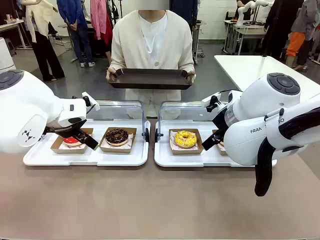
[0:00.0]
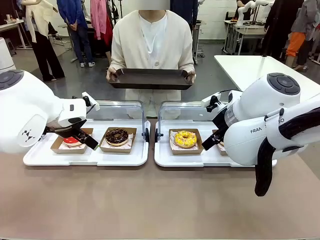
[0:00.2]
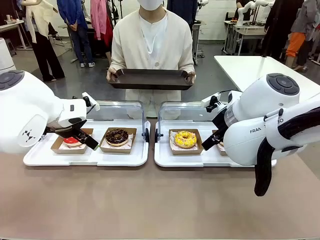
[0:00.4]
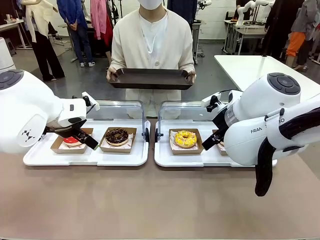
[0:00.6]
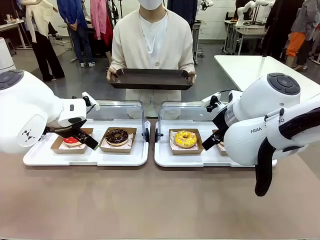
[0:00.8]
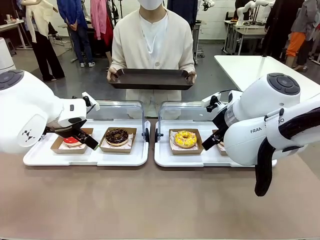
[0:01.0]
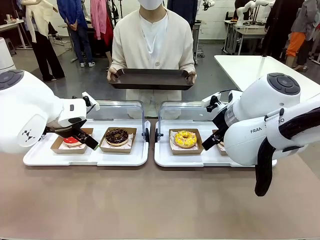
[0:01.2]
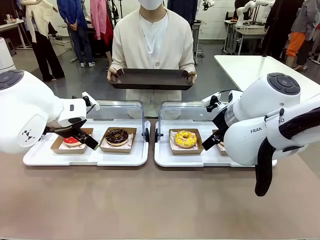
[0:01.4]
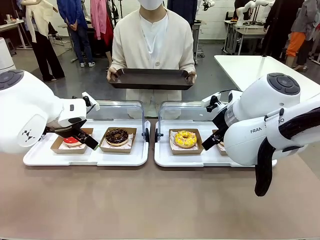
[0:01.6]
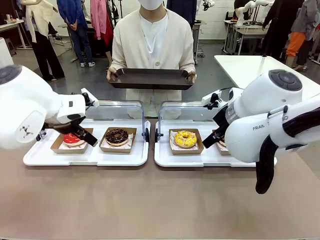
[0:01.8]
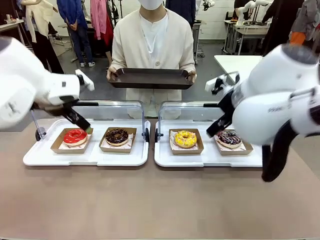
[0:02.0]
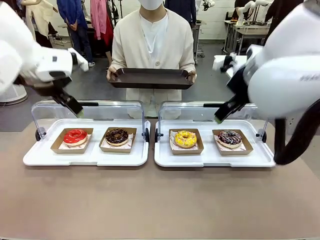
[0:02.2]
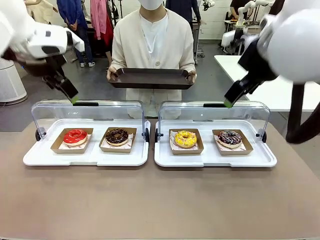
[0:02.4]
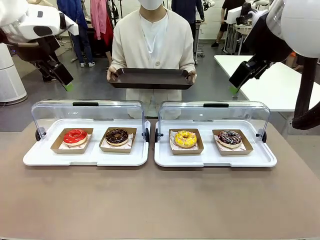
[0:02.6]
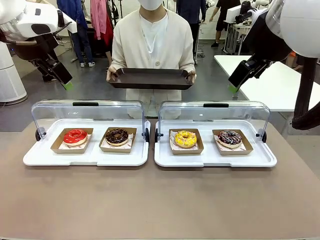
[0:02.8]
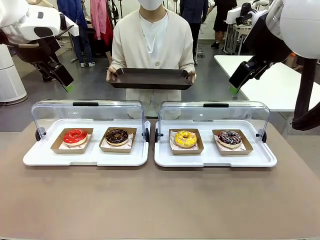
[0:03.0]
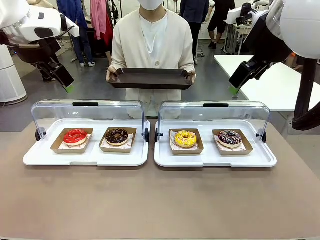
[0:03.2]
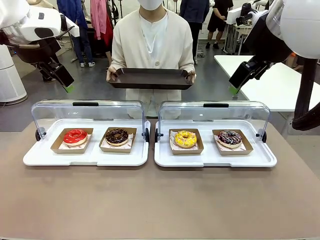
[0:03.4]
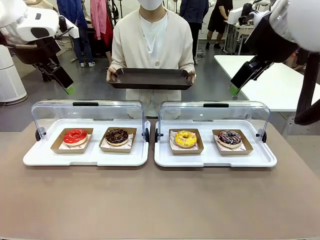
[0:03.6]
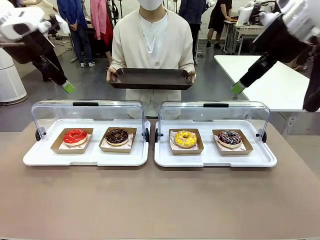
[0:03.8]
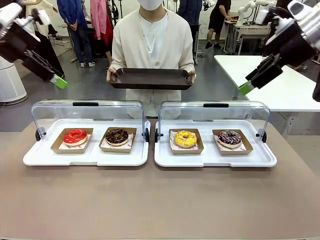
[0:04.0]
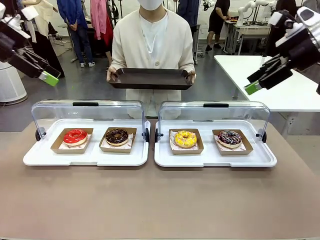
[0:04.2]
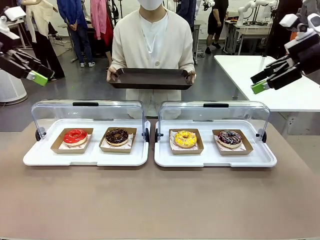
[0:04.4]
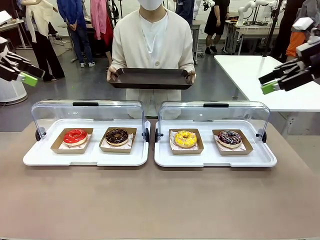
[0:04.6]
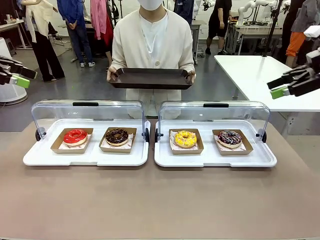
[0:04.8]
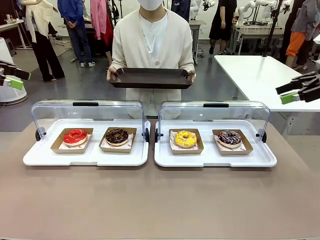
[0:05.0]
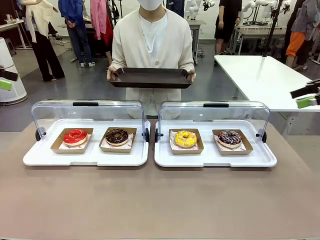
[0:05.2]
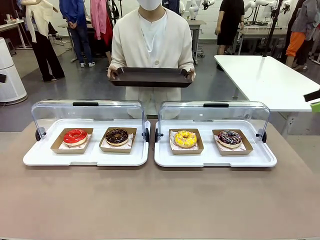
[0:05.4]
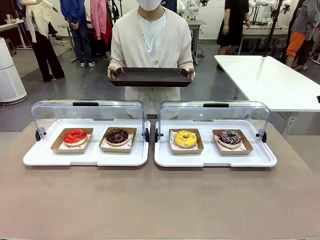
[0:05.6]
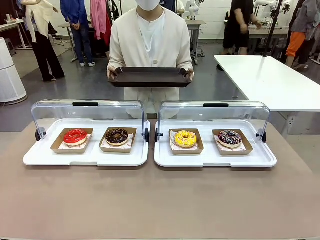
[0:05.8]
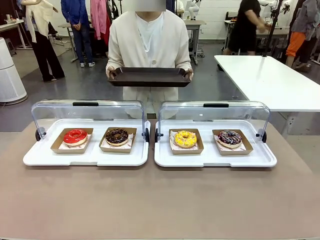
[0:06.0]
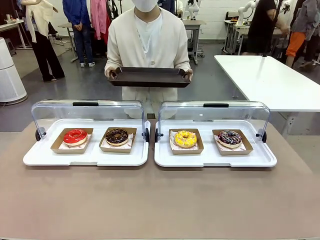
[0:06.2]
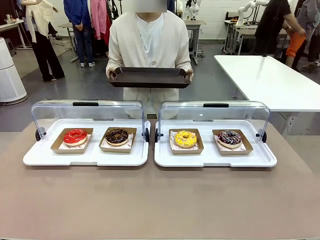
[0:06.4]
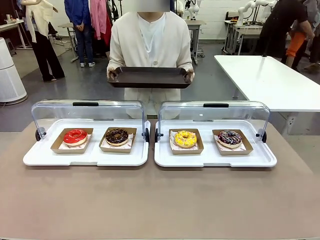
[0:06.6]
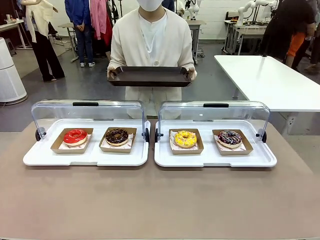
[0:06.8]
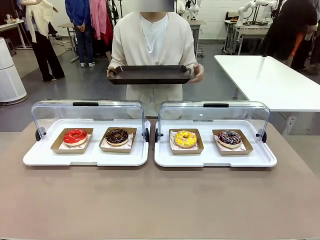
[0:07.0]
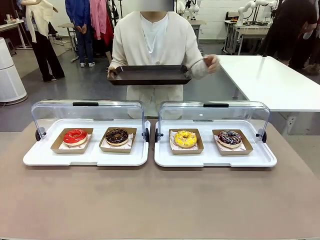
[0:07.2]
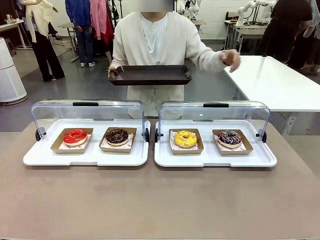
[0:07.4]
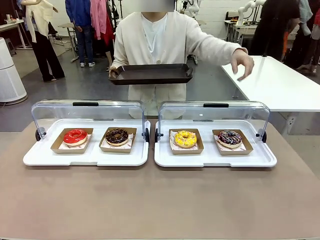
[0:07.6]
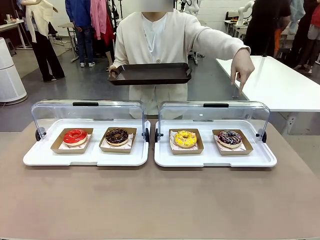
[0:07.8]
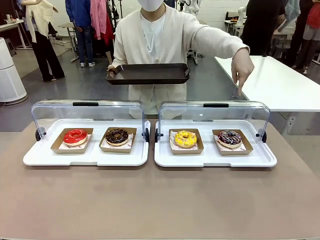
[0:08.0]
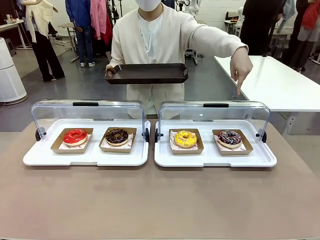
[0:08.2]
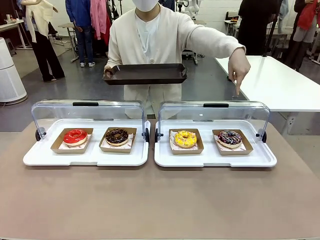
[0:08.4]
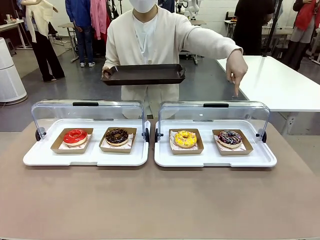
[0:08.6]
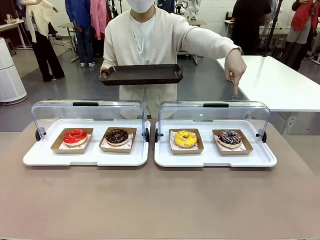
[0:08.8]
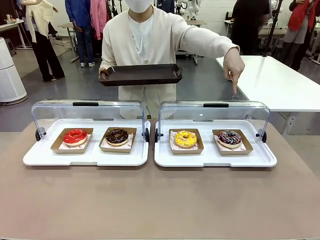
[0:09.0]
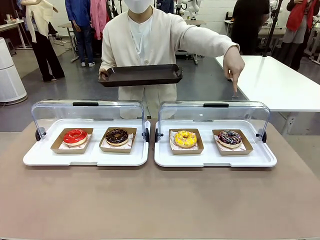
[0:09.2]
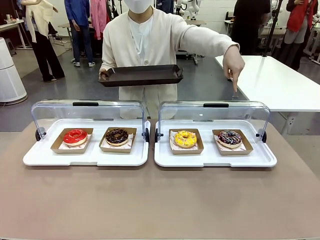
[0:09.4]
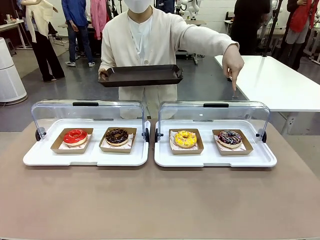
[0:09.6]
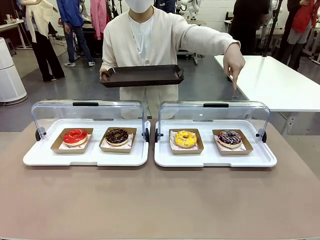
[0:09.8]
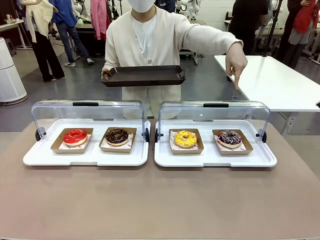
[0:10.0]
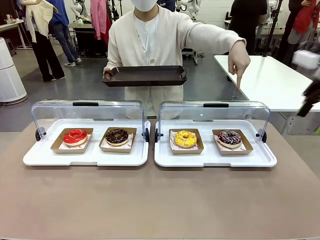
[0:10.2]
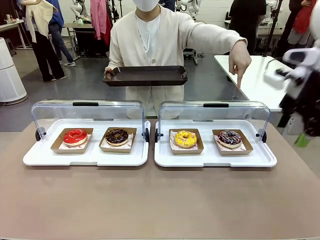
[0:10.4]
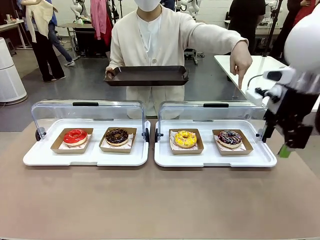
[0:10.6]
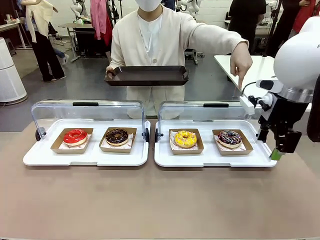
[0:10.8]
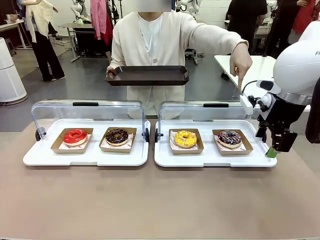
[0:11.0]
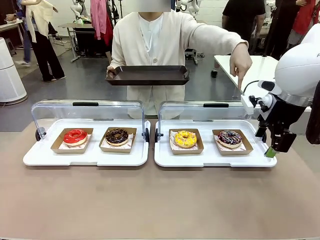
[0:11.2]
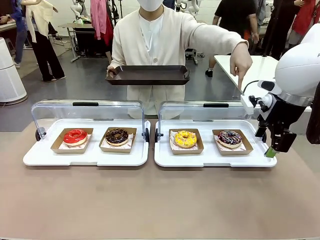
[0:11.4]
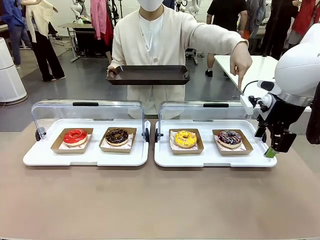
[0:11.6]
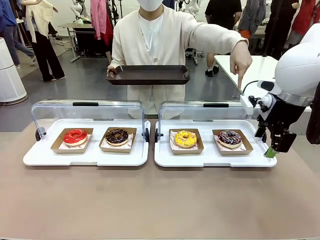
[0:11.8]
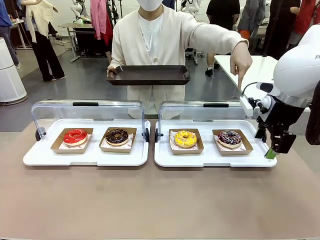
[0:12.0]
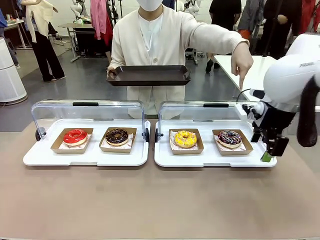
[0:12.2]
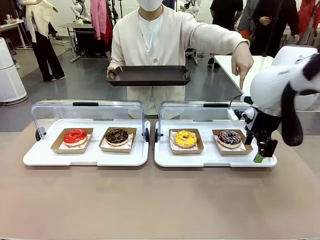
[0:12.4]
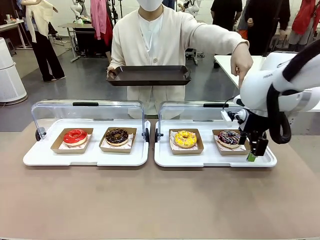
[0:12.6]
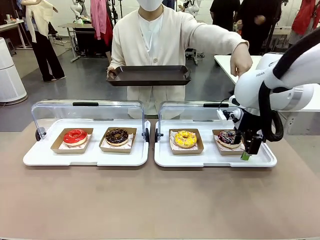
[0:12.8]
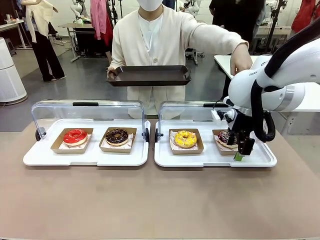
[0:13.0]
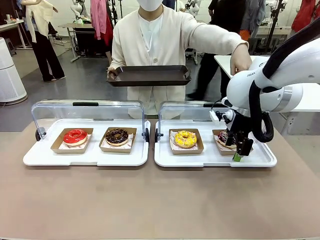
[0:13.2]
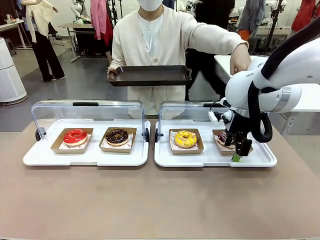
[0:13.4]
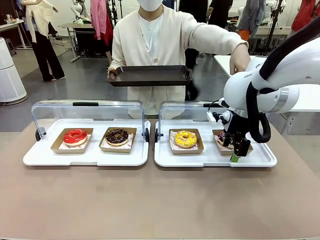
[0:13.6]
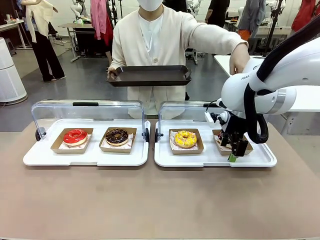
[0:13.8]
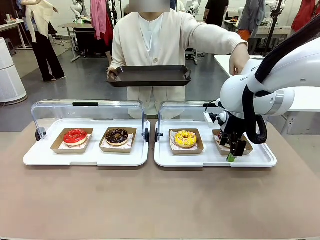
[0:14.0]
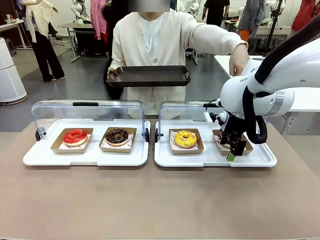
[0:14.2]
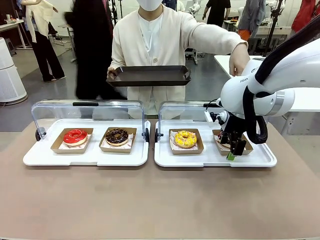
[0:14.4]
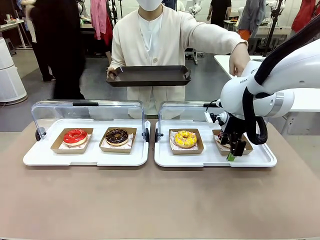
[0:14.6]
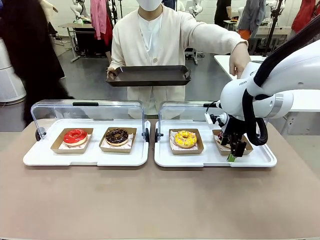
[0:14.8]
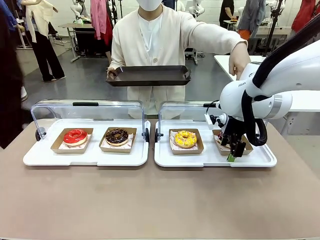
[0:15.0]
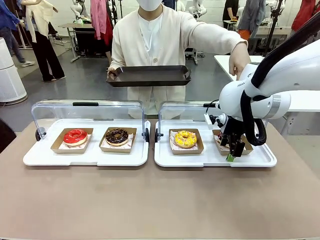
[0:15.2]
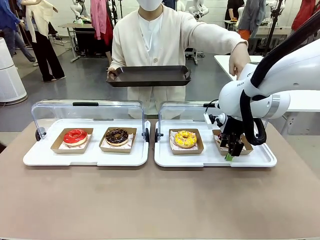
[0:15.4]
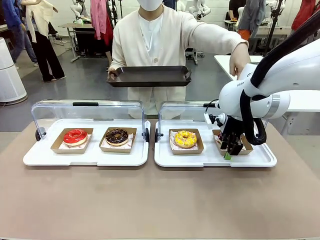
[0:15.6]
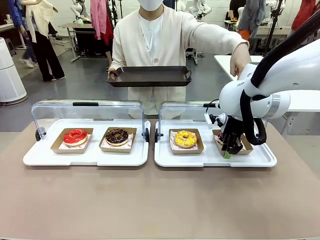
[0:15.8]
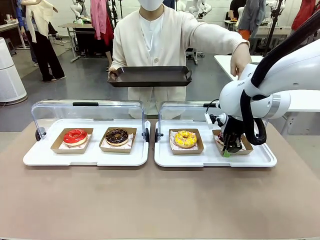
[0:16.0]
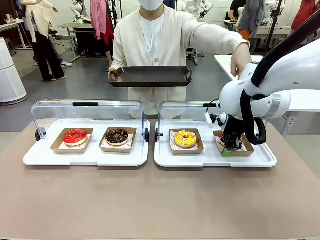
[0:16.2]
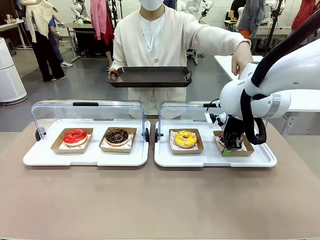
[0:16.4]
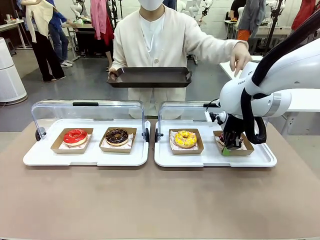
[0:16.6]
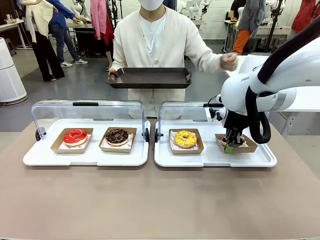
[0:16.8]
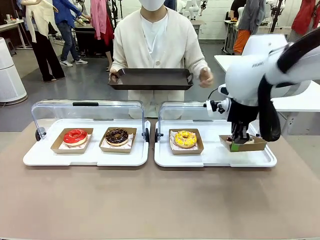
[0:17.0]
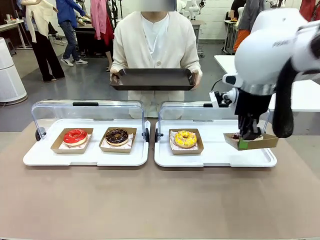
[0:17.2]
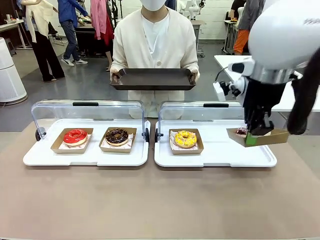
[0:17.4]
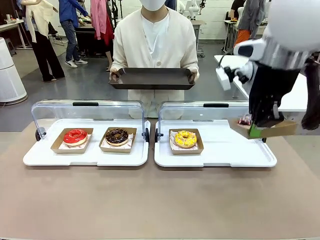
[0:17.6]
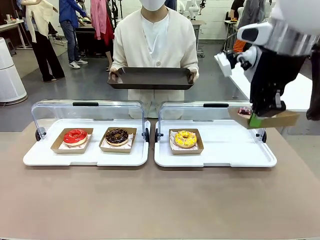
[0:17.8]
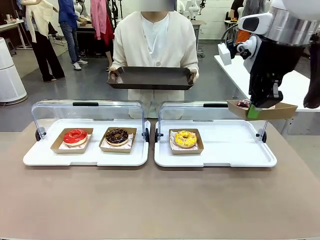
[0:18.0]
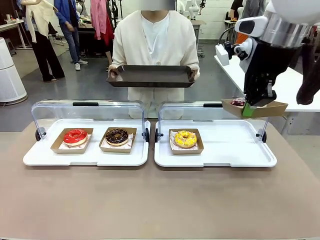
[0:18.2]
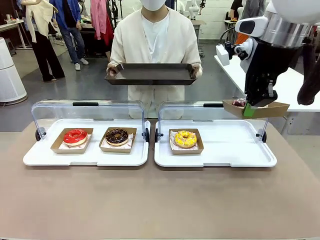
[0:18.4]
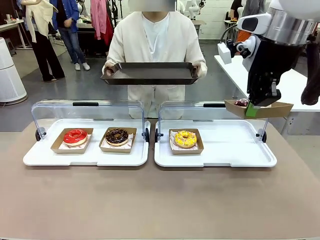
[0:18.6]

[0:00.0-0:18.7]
Task: Provide the desired donut to the person.
Robot: Pick up and lift the Paper togo box containing the Donut pointed at by the person.
Person: Point to one donut. Lift the tray onto the Roll-Top Bakery Case.
